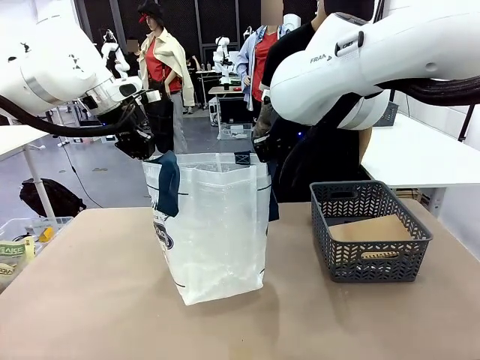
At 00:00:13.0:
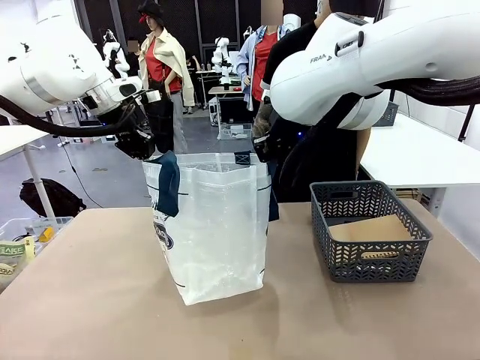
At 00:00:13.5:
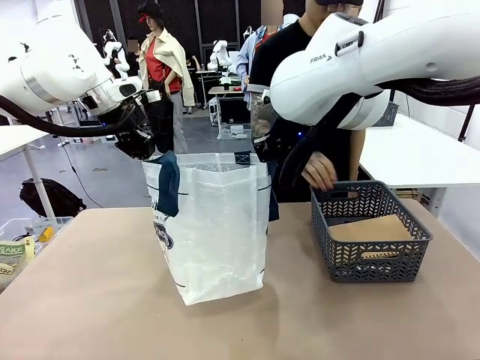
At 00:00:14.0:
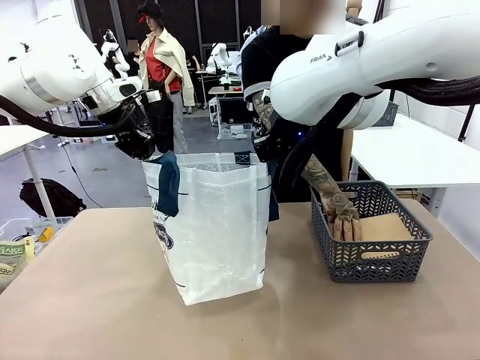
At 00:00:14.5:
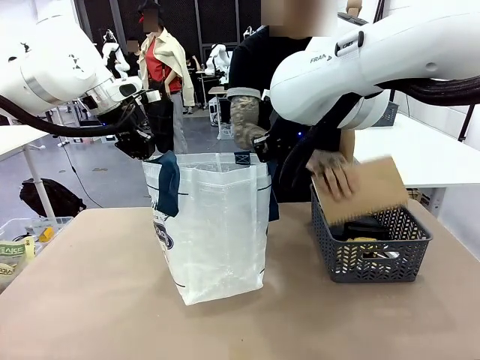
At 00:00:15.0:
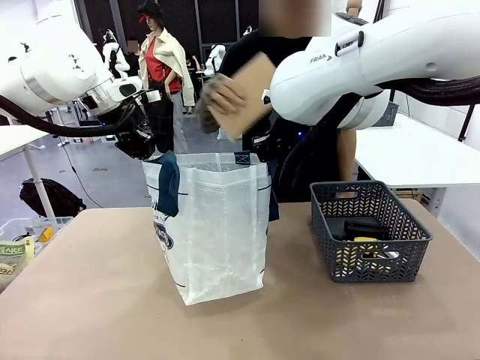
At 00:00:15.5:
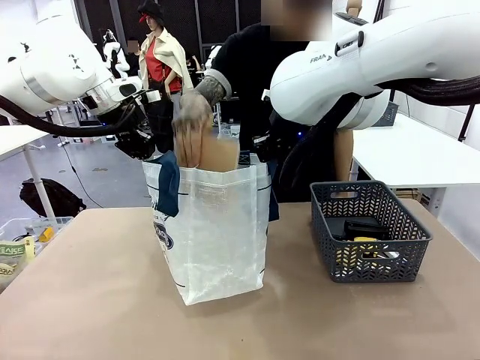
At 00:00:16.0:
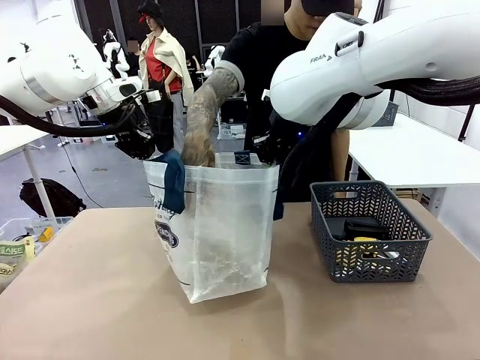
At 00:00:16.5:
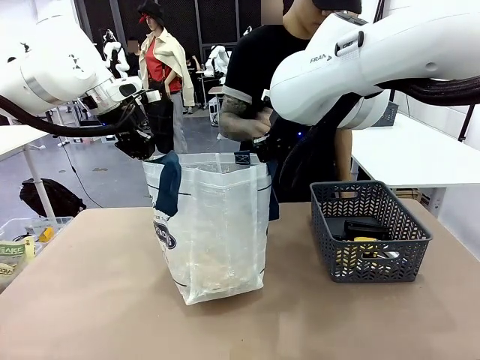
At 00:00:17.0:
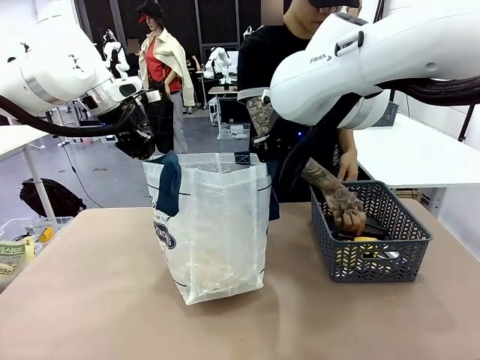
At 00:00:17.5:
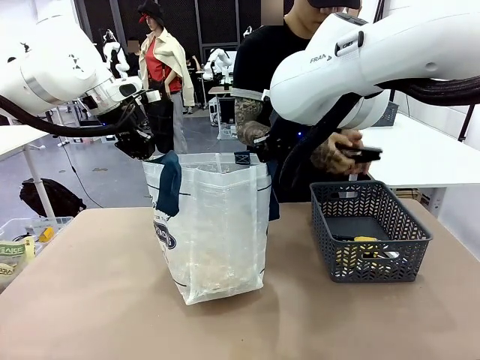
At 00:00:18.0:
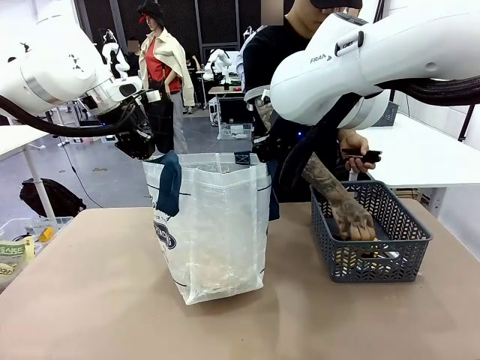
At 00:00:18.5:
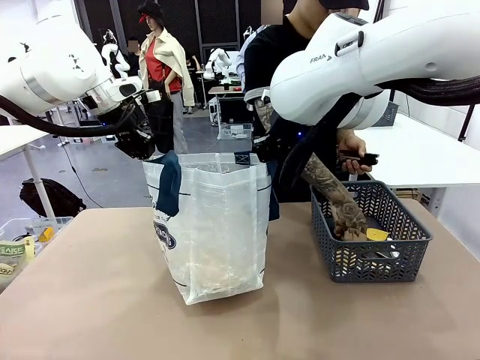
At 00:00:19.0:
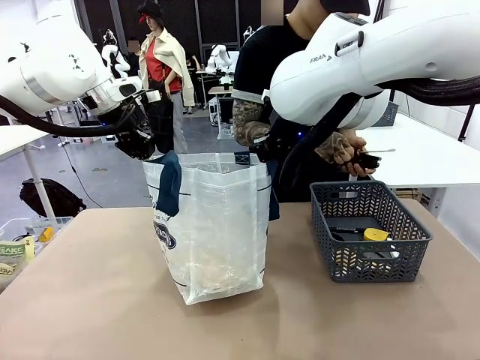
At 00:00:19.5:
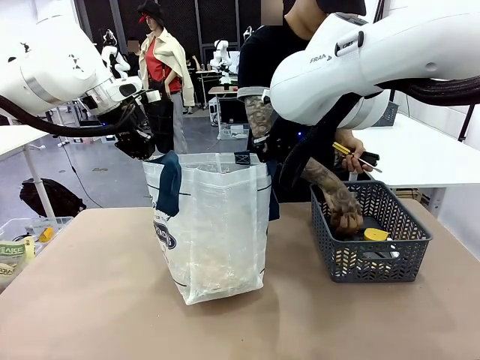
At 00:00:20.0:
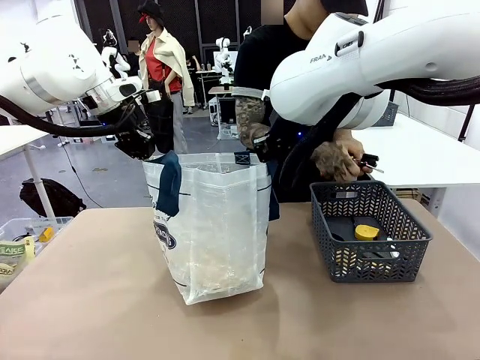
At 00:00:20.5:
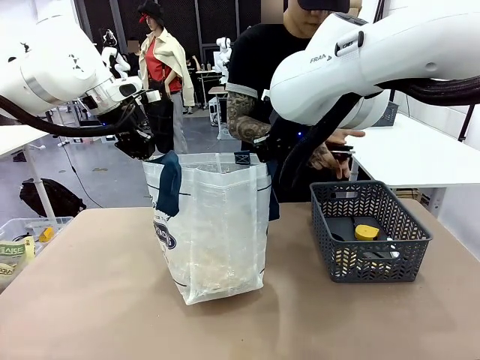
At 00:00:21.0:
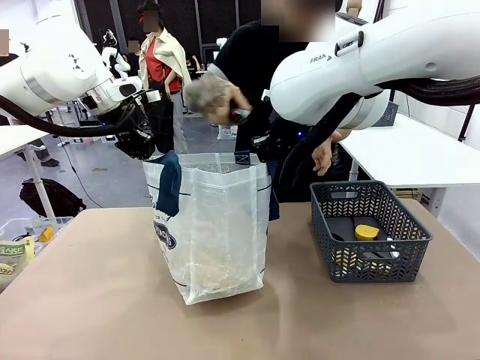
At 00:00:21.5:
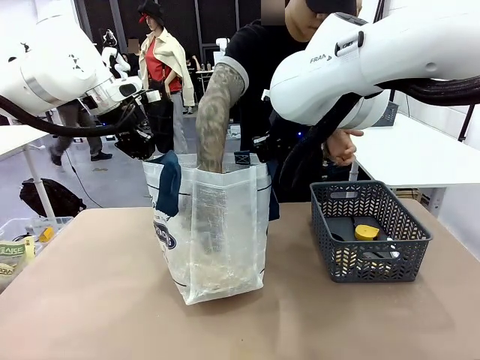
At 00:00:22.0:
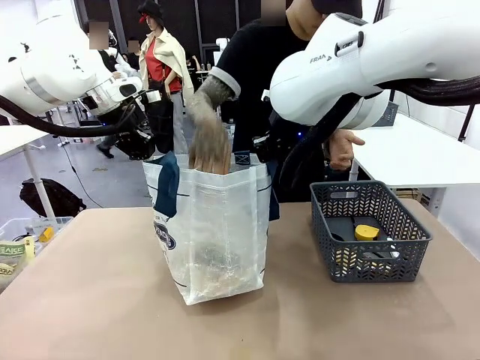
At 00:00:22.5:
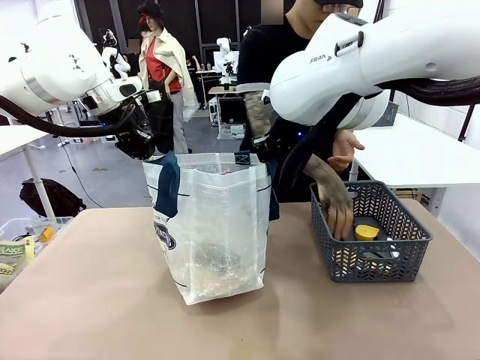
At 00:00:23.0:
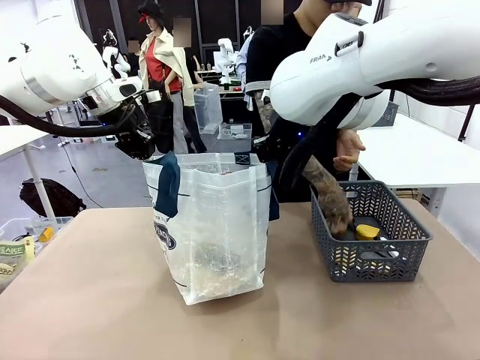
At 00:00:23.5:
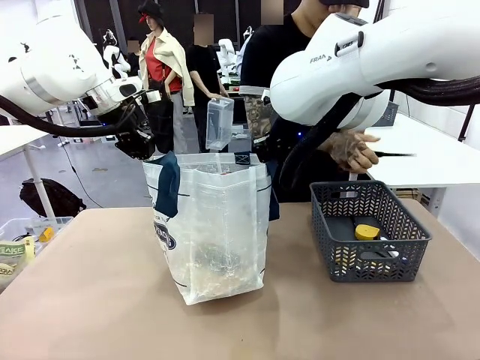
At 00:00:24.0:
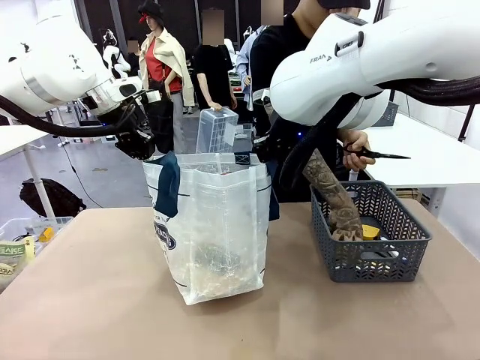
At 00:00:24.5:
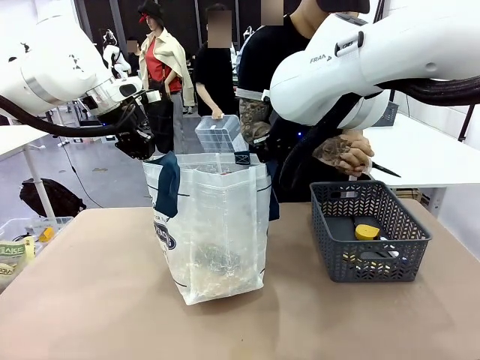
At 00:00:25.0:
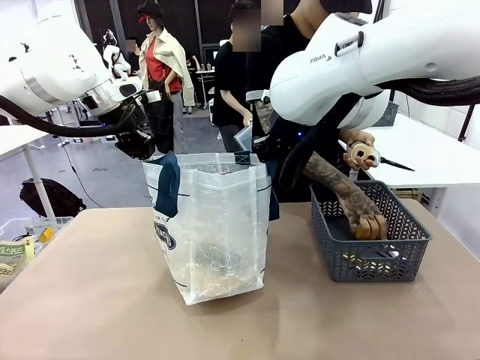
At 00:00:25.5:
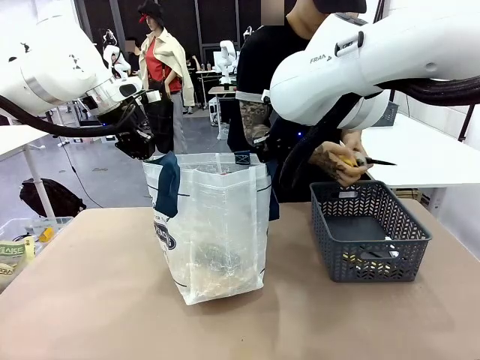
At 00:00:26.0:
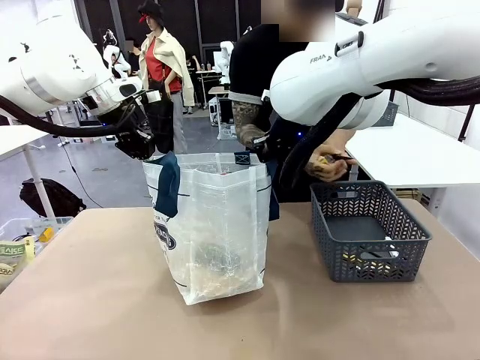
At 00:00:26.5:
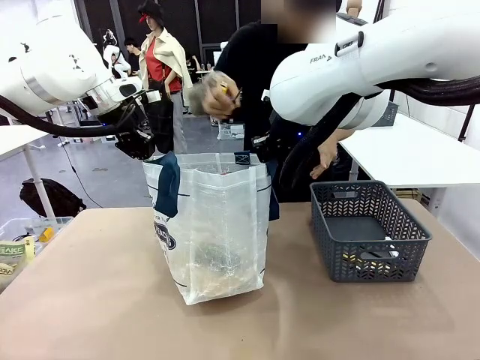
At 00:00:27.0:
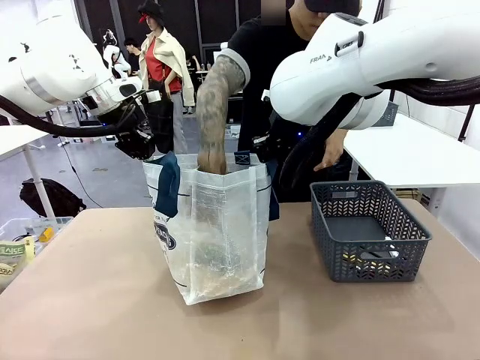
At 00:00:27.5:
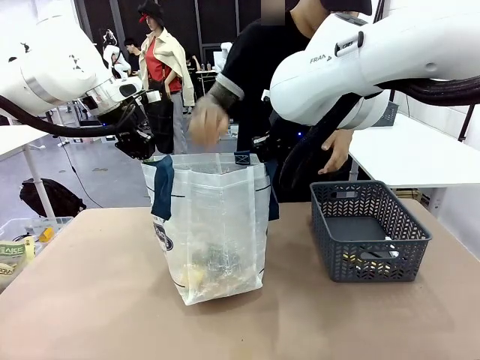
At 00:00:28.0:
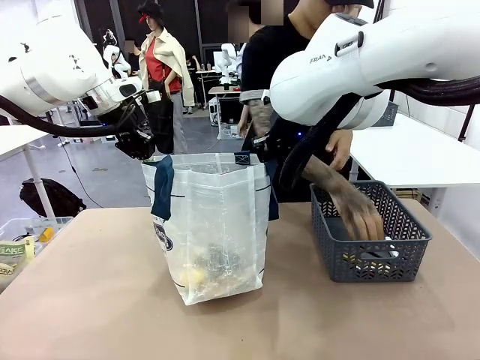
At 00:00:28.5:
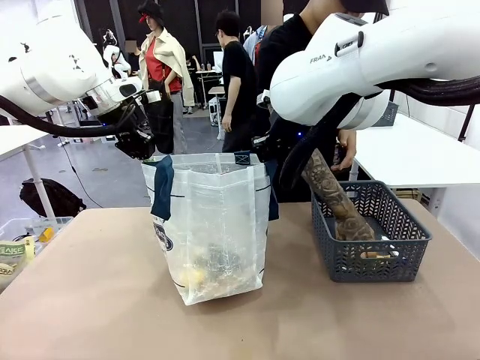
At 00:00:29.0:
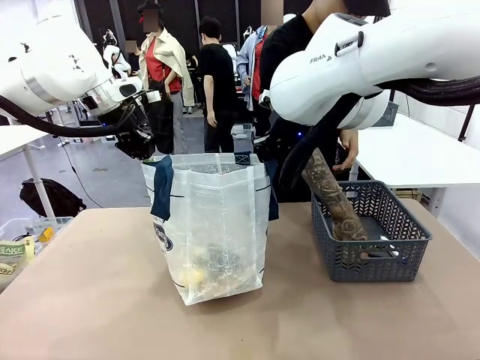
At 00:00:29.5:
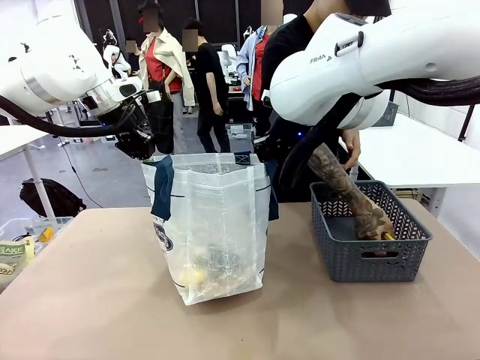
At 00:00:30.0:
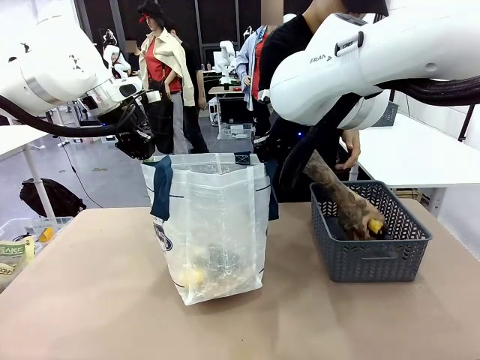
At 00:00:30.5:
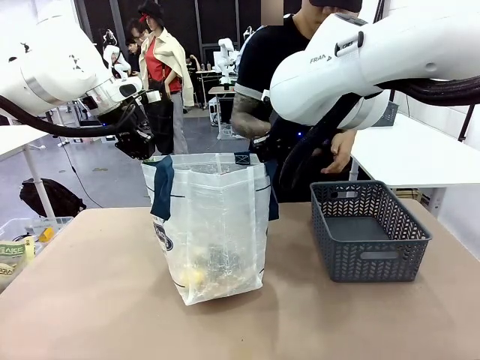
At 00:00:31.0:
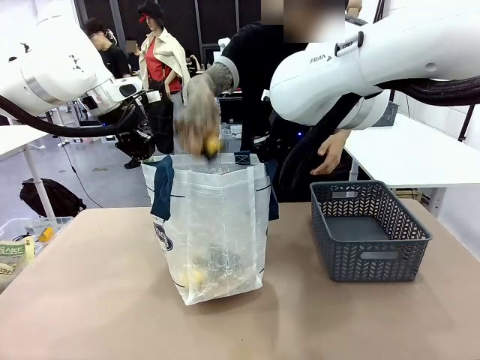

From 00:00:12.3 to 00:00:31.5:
Task: Transfer purchased items from the store into the shopping bag.
Robot: Move the Reusable shopping bag to the right side of the table.
Person: Pick up the basket with the items out and place it on the right side of the human table.
